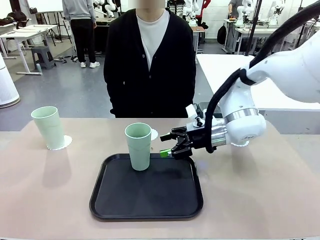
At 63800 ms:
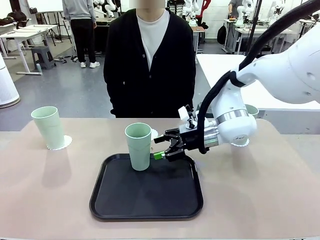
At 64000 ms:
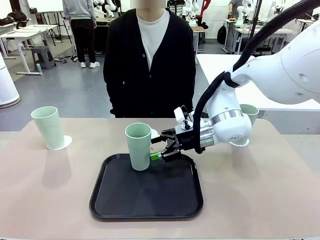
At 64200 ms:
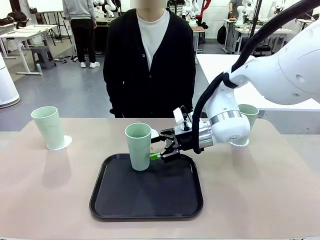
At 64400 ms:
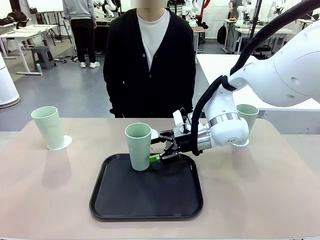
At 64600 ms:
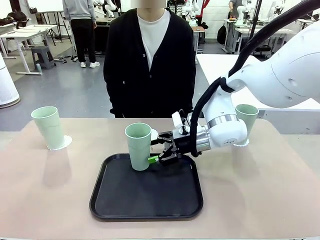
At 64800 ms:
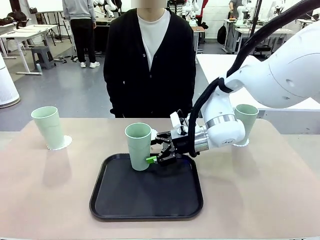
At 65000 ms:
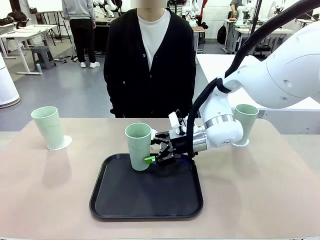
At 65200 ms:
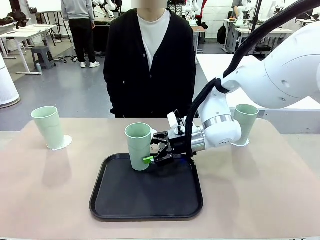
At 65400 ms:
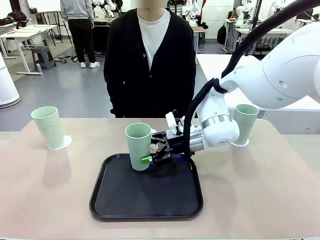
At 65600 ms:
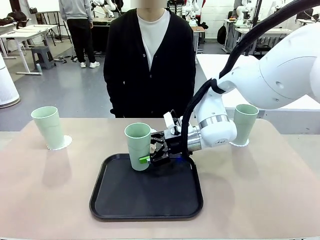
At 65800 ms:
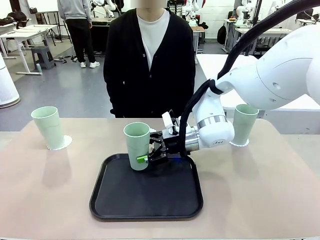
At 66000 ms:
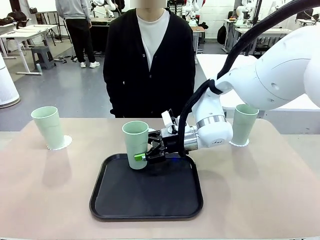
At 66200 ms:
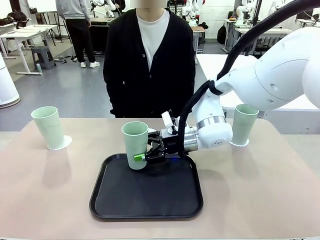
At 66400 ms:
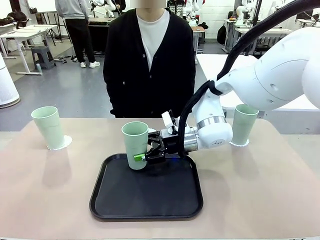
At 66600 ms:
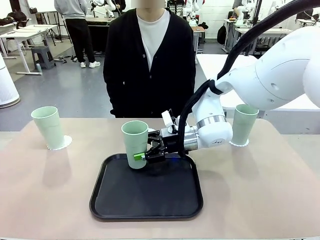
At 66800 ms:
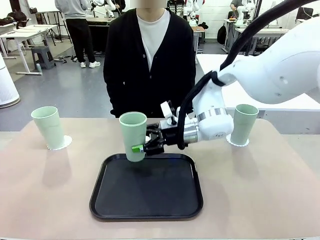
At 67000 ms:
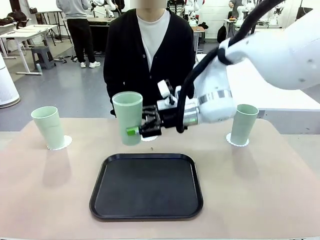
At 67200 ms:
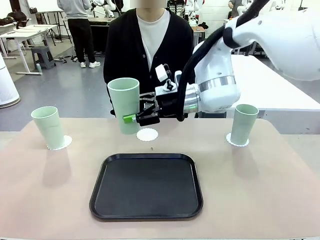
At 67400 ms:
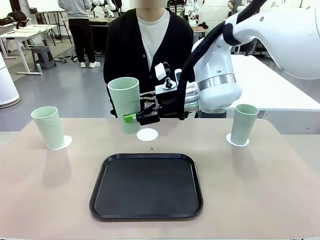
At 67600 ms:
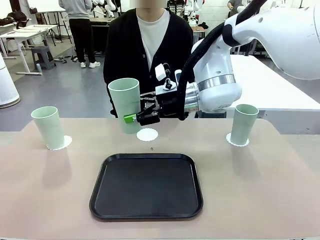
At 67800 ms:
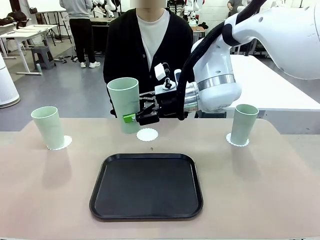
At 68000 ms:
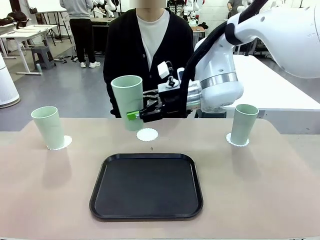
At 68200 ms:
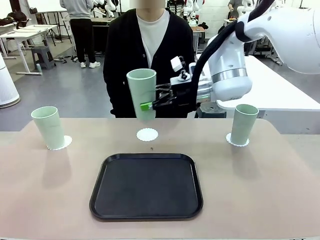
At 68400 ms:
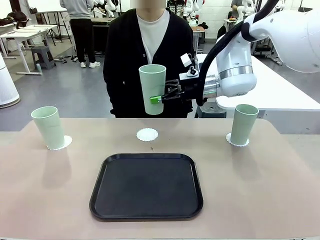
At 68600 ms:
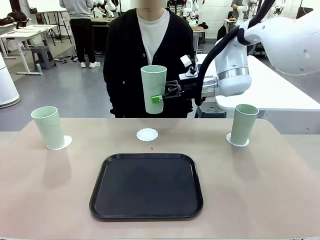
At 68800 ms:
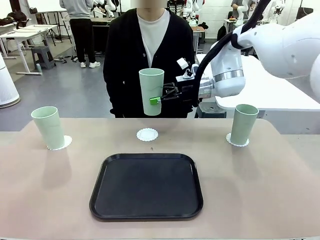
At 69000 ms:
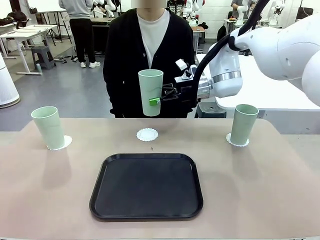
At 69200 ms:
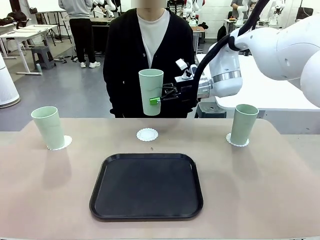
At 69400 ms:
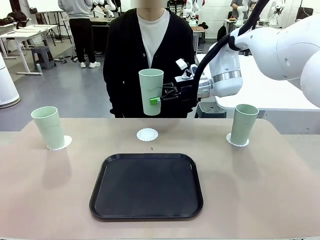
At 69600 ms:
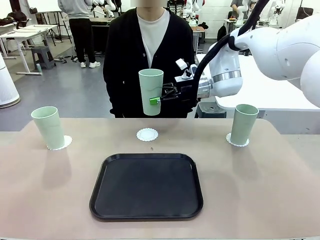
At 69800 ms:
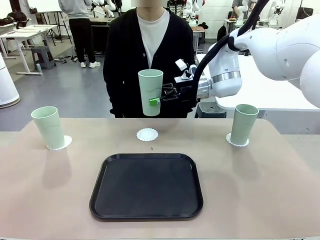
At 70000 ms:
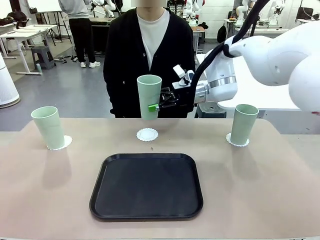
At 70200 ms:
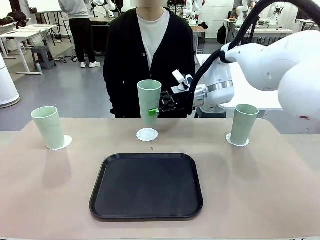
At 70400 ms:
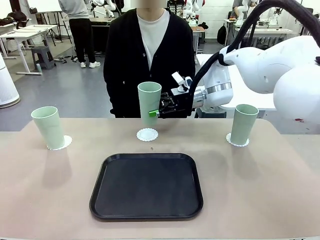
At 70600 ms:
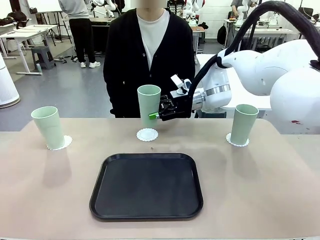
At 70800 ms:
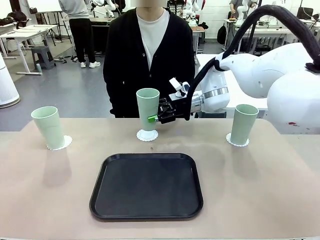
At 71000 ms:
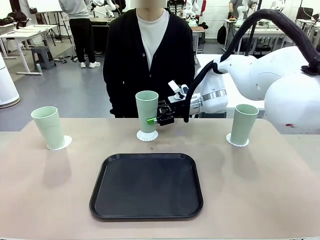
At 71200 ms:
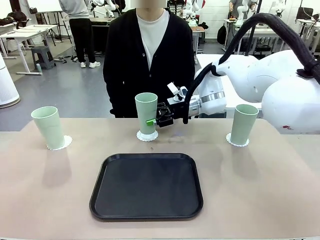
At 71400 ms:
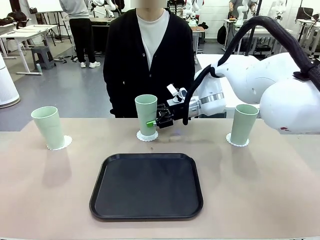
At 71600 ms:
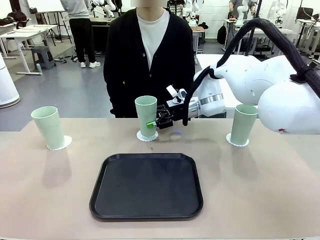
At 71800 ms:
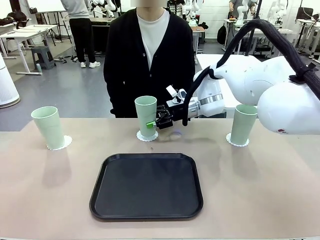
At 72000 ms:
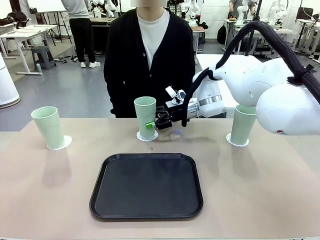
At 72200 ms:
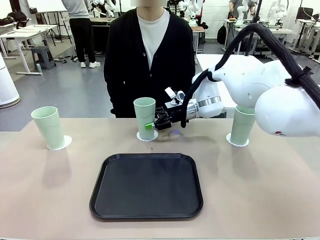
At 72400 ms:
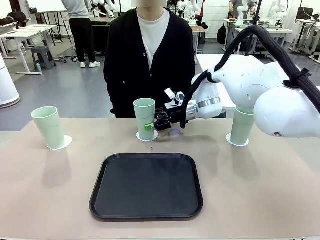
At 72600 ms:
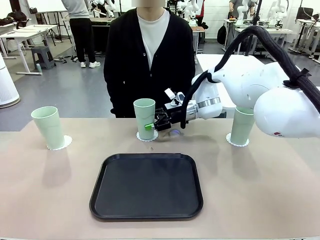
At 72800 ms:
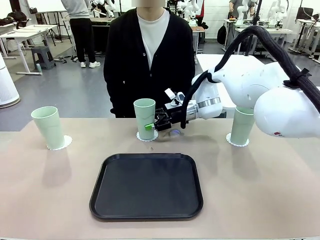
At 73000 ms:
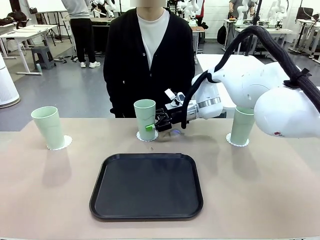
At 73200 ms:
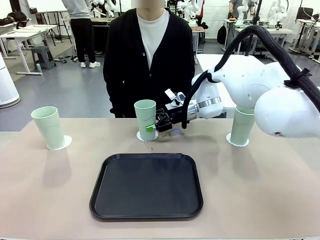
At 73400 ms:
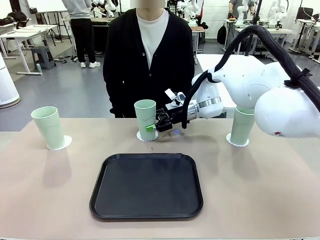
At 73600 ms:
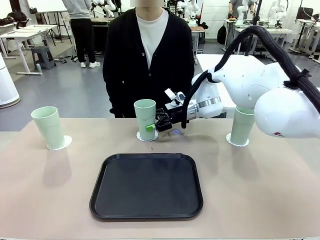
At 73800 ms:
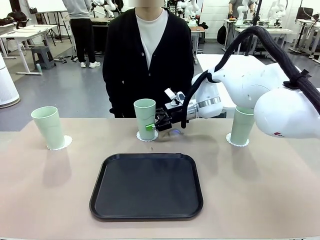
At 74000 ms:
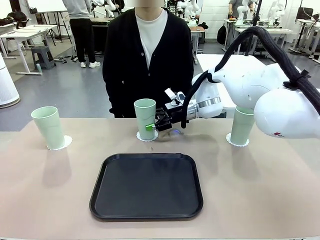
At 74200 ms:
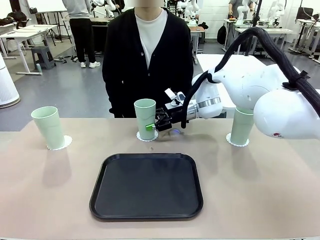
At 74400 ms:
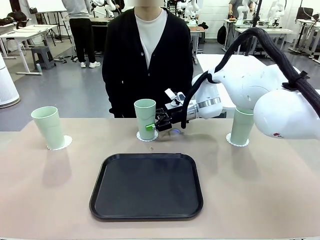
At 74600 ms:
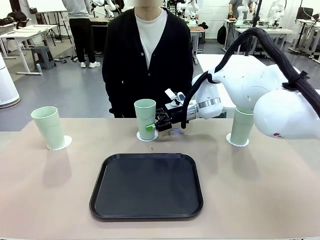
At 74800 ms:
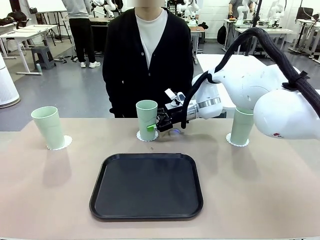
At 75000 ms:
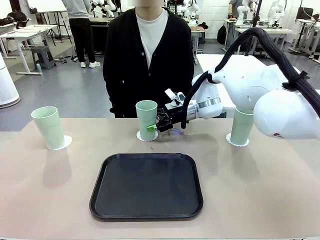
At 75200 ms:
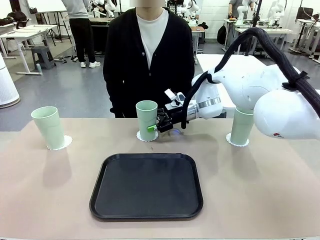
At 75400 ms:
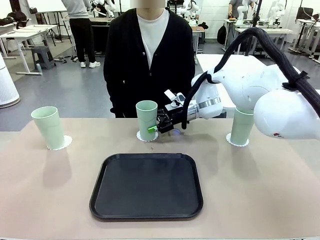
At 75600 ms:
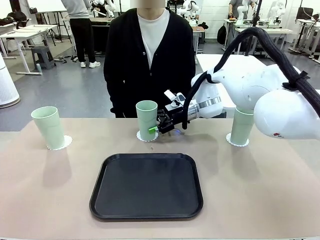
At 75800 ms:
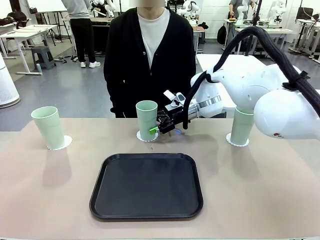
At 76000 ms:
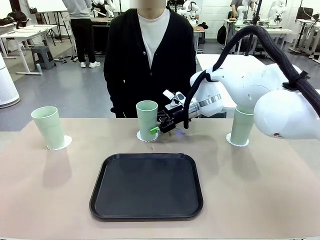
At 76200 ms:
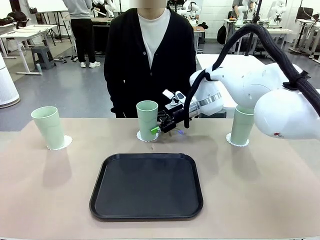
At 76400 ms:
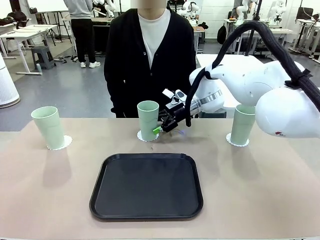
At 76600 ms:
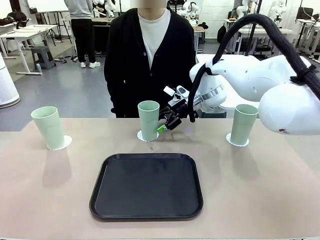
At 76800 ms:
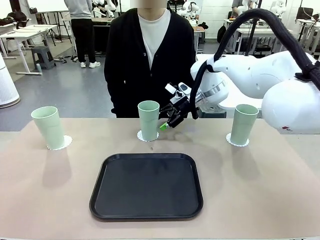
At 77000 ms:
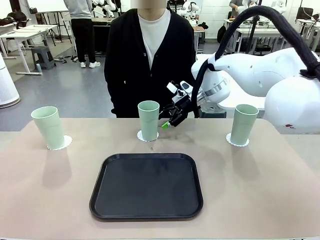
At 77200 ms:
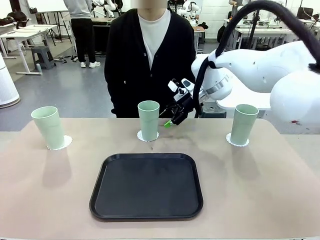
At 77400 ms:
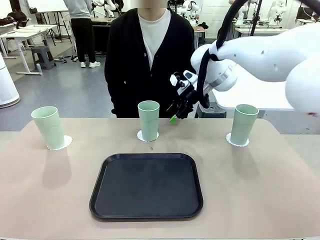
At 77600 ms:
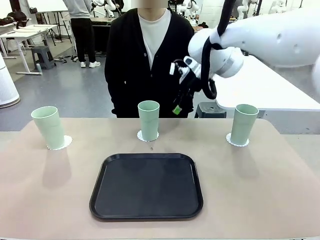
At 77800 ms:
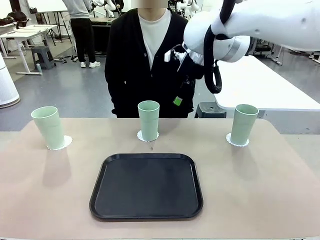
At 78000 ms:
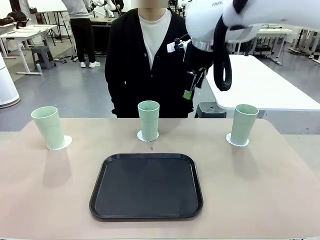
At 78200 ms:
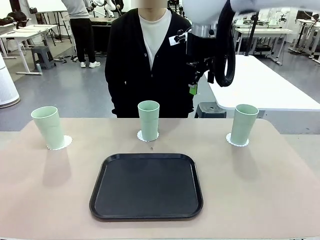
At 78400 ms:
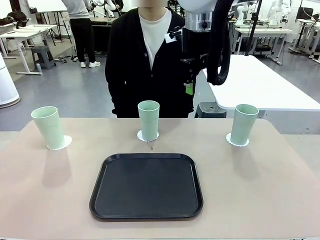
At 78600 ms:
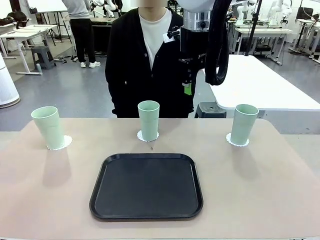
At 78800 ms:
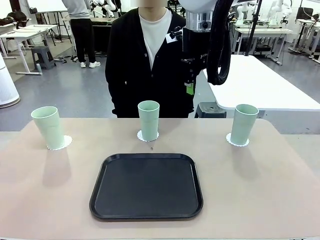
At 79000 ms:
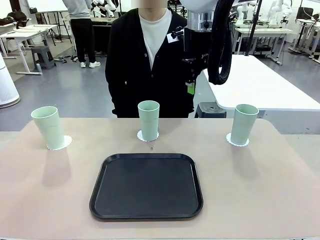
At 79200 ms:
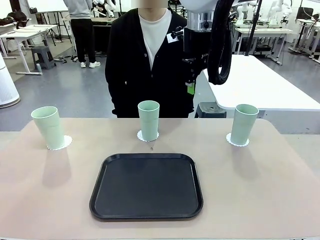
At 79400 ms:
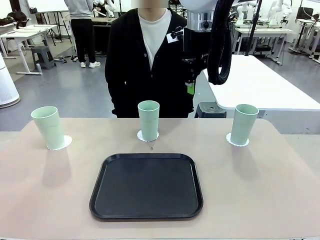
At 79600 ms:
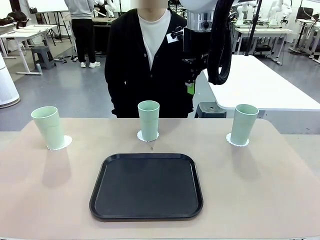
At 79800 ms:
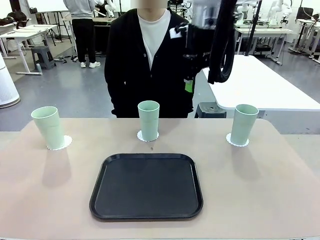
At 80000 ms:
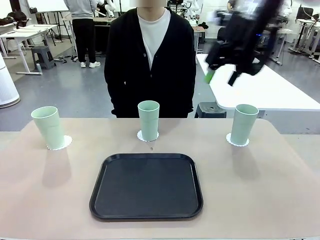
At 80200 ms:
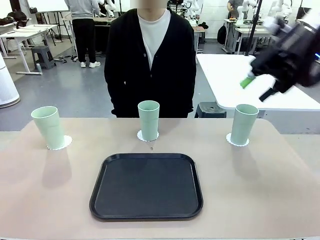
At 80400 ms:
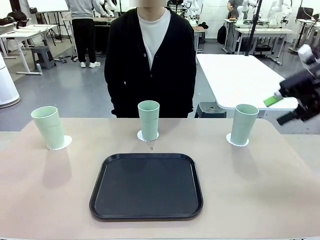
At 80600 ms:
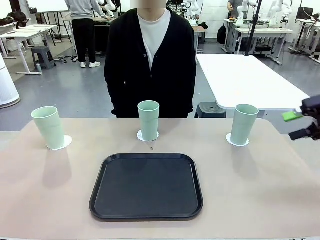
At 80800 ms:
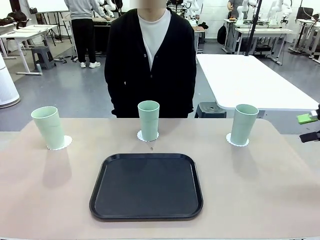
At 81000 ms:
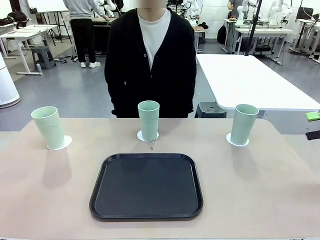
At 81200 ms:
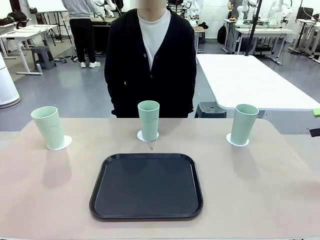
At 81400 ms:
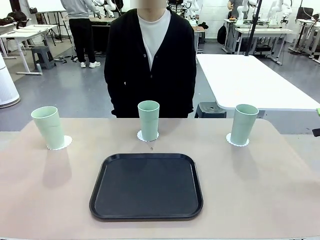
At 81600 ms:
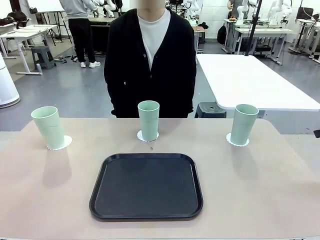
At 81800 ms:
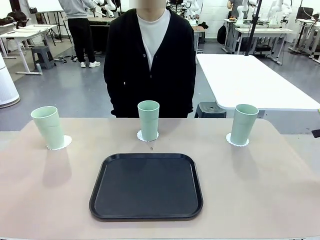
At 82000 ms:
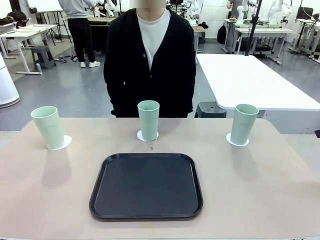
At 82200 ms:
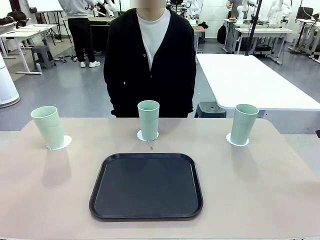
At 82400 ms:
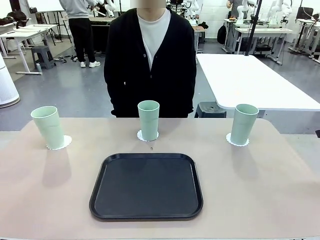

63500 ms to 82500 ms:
Task: Place coasters on the table and set cups on them.
Robot: Take one Reusable plastic cup from the Flat Tray and place it on a coaster set by the human.
